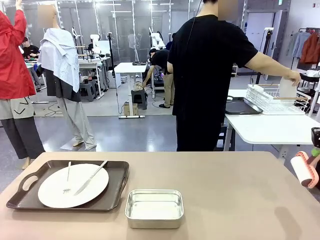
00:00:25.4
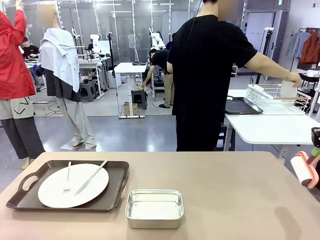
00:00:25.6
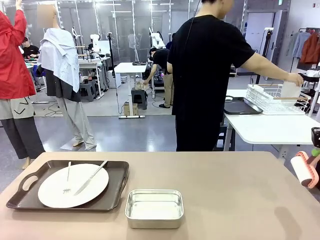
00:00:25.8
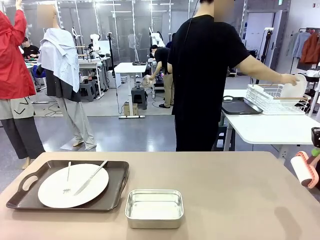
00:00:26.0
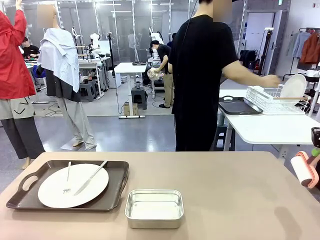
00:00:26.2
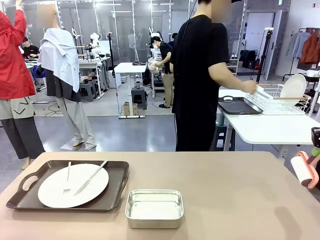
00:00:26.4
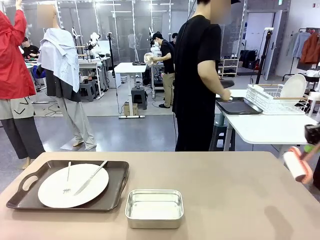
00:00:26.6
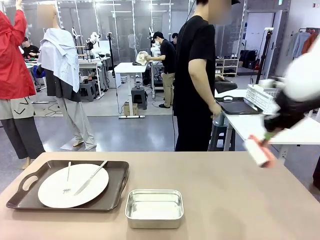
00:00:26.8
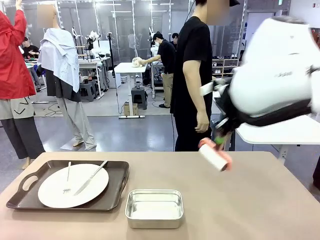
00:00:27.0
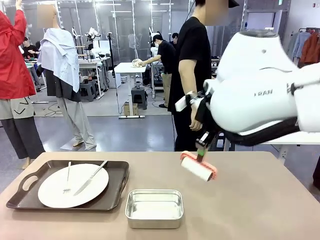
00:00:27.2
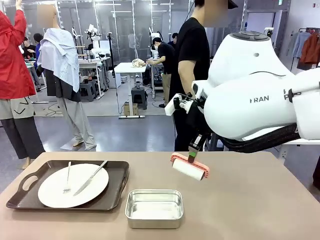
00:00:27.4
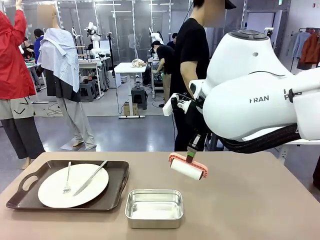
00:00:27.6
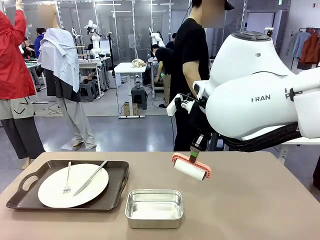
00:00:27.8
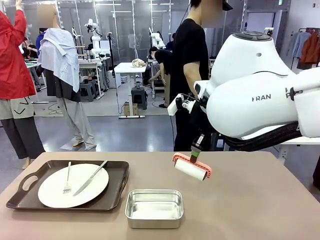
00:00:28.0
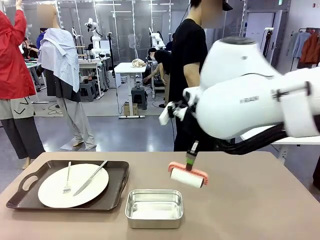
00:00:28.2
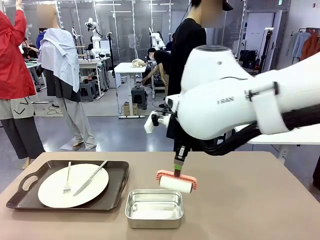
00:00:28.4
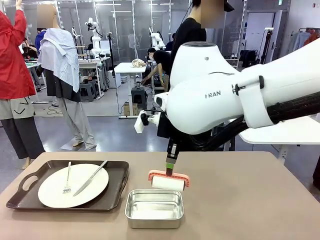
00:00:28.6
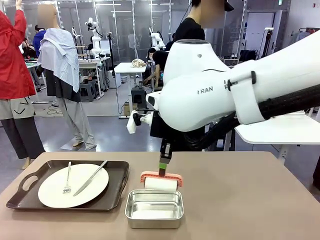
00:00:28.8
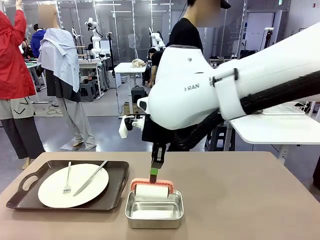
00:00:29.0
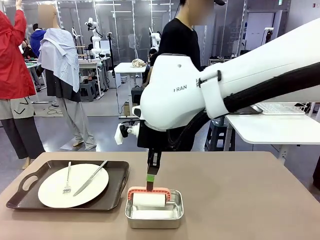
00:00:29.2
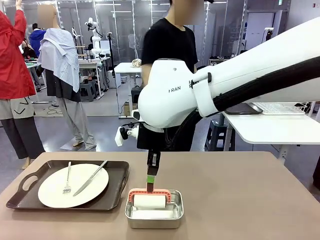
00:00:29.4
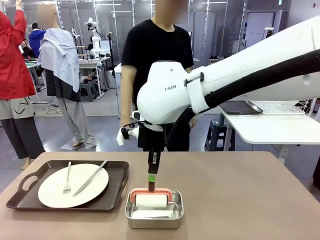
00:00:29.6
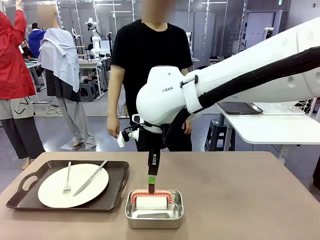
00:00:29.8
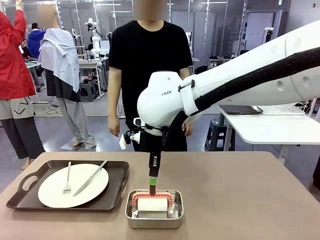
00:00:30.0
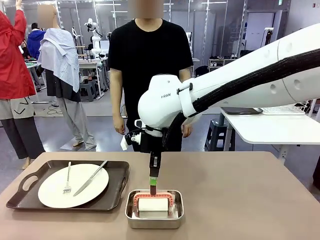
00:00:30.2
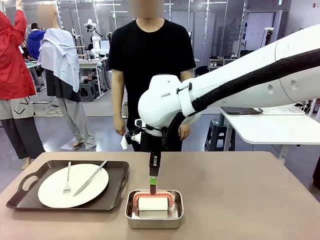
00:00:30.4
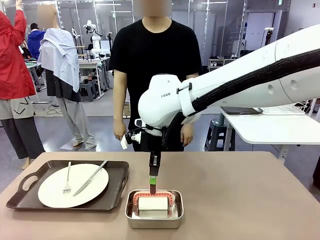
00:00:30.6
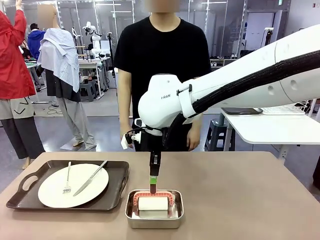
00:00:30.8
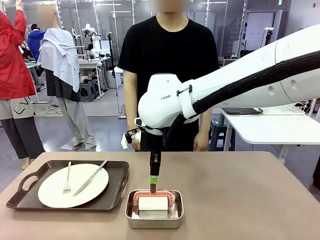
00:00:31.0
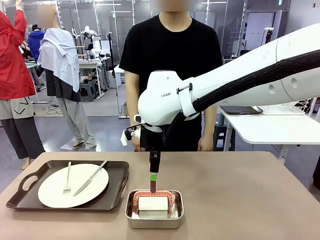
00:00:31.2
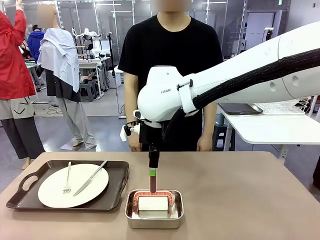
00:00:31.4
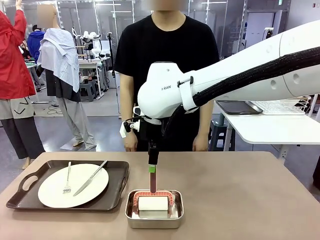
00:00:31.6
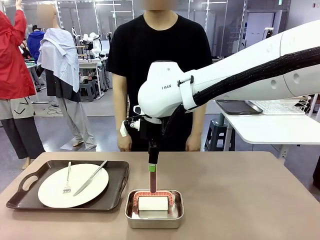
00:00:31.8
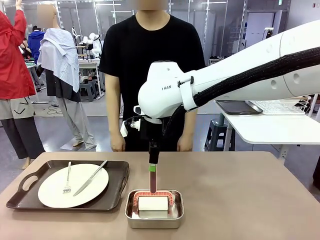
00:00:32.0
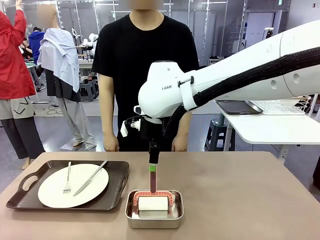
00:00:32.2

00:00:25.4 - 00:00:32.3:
Robot: Place the Lint Roller back on top of the Airtight Container.

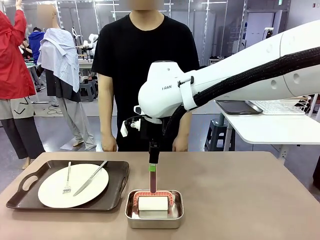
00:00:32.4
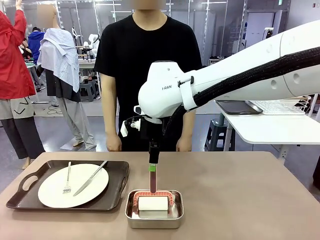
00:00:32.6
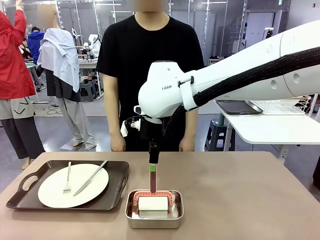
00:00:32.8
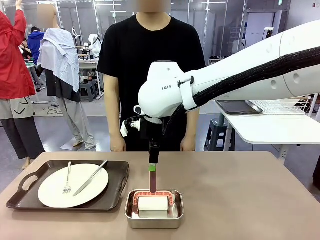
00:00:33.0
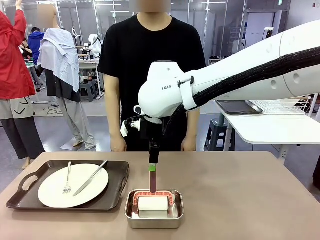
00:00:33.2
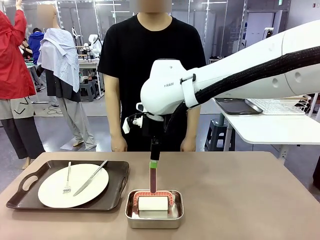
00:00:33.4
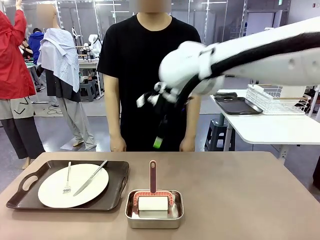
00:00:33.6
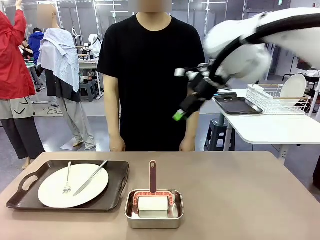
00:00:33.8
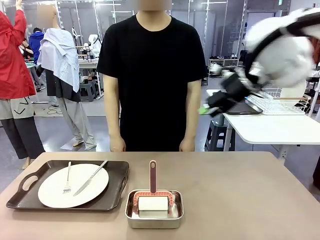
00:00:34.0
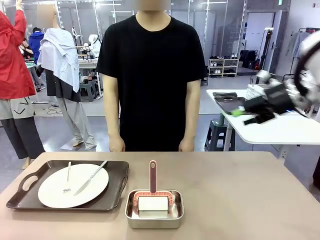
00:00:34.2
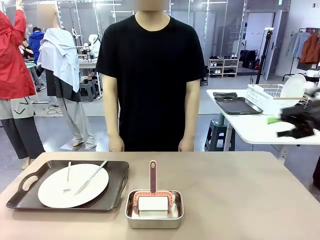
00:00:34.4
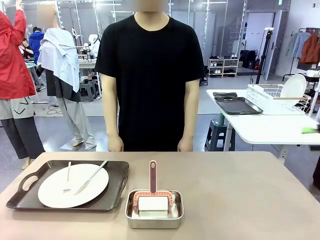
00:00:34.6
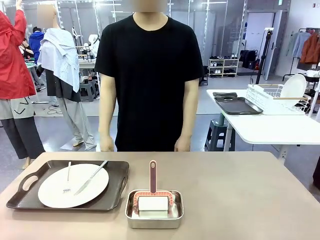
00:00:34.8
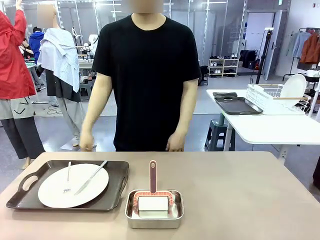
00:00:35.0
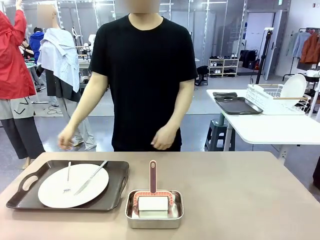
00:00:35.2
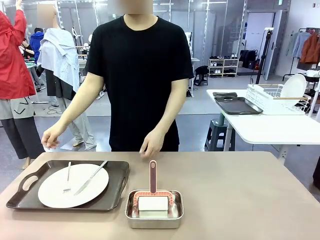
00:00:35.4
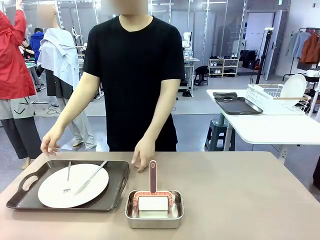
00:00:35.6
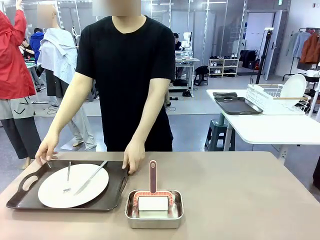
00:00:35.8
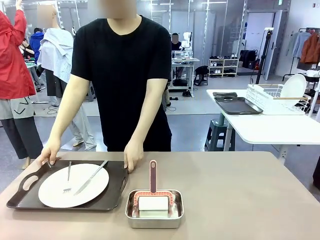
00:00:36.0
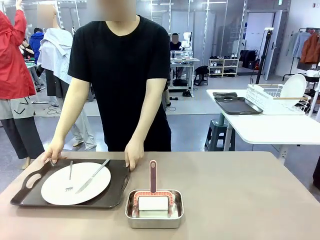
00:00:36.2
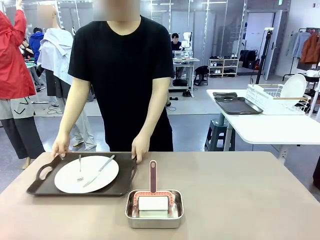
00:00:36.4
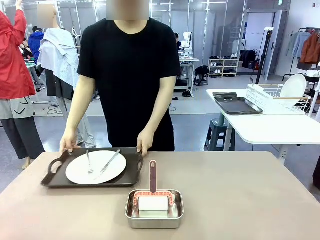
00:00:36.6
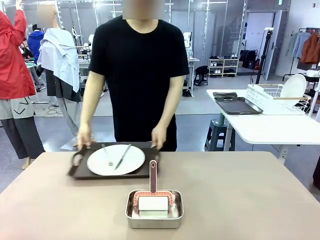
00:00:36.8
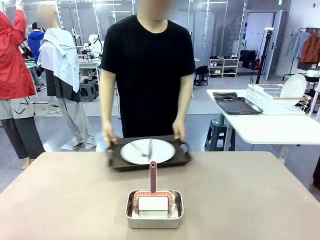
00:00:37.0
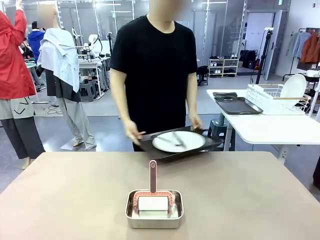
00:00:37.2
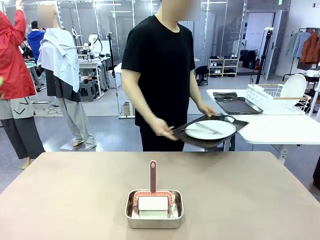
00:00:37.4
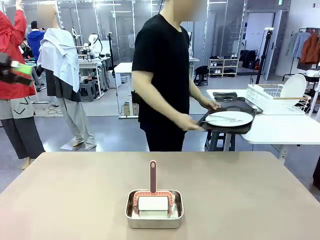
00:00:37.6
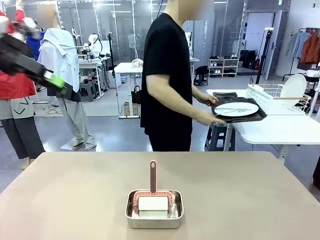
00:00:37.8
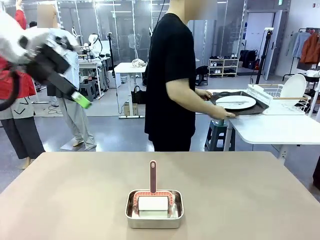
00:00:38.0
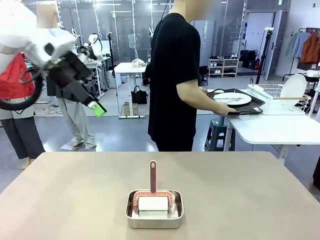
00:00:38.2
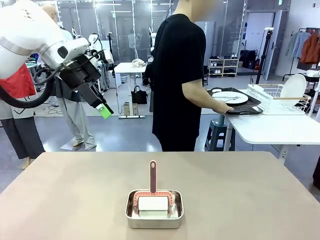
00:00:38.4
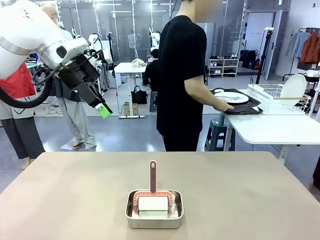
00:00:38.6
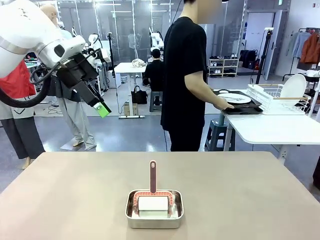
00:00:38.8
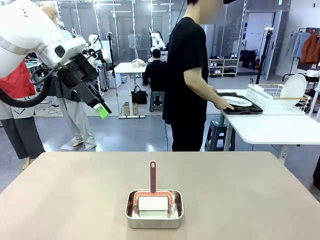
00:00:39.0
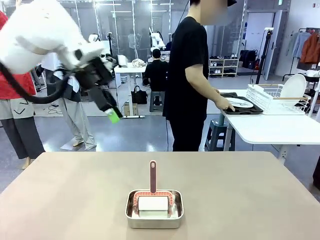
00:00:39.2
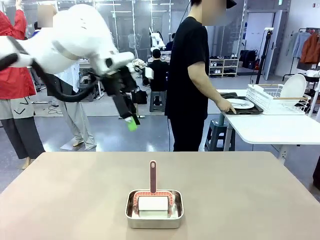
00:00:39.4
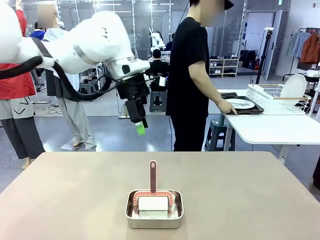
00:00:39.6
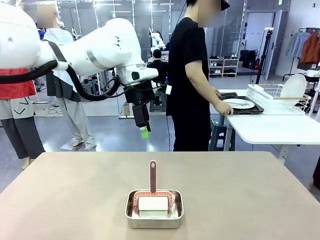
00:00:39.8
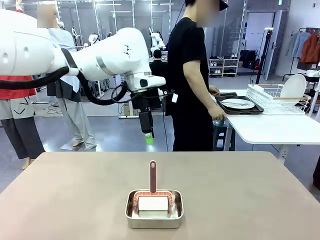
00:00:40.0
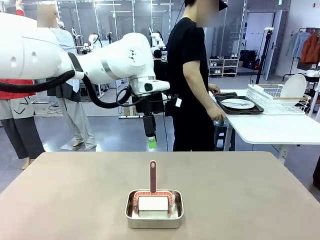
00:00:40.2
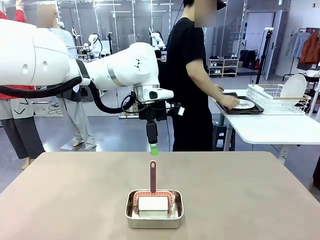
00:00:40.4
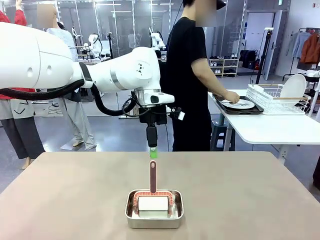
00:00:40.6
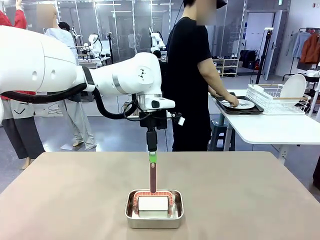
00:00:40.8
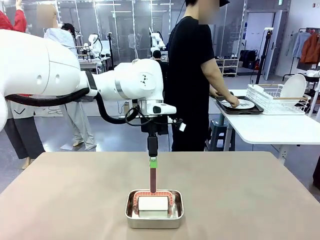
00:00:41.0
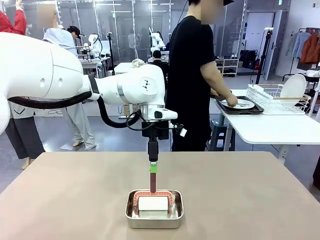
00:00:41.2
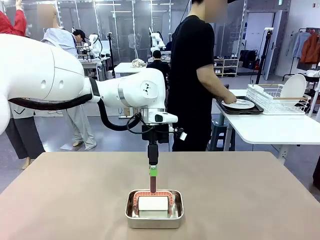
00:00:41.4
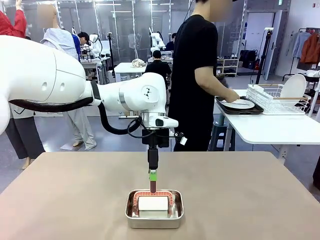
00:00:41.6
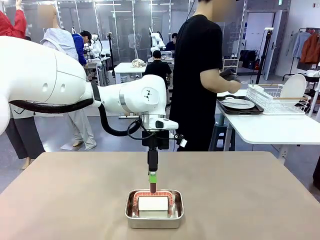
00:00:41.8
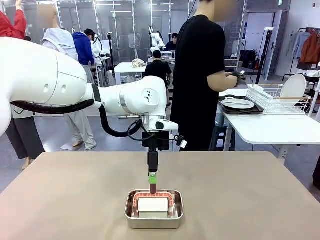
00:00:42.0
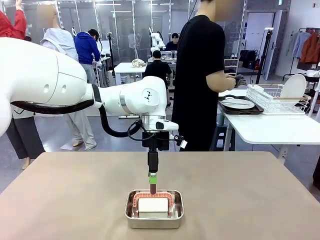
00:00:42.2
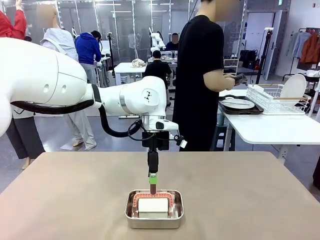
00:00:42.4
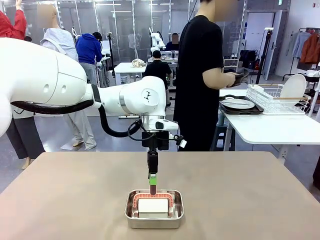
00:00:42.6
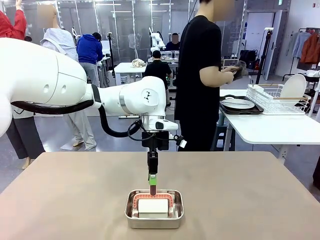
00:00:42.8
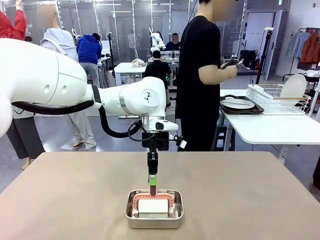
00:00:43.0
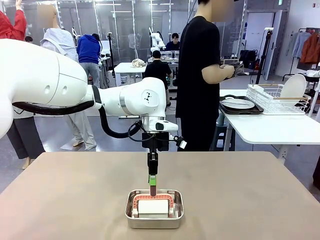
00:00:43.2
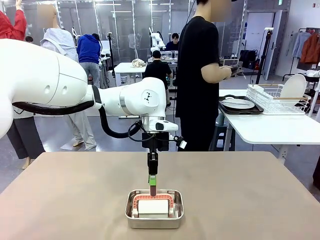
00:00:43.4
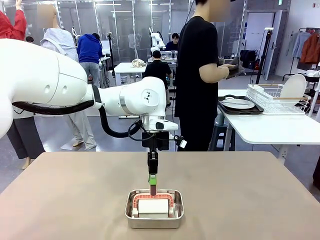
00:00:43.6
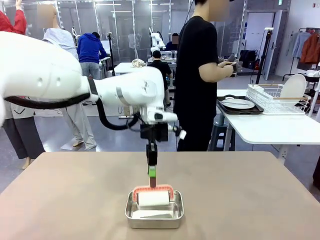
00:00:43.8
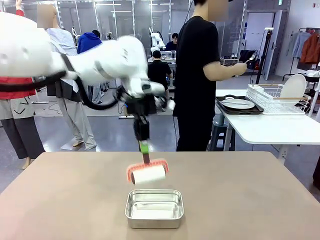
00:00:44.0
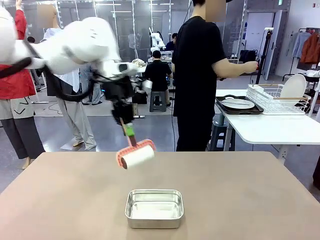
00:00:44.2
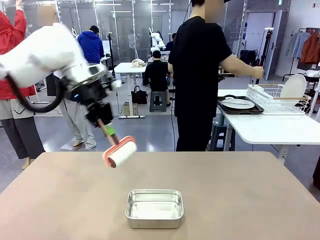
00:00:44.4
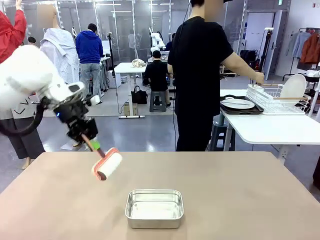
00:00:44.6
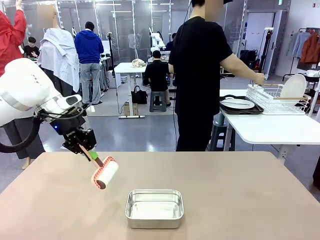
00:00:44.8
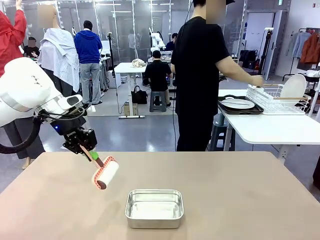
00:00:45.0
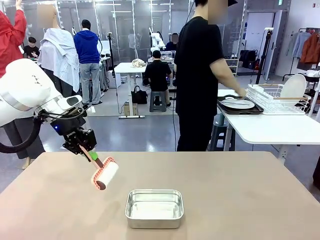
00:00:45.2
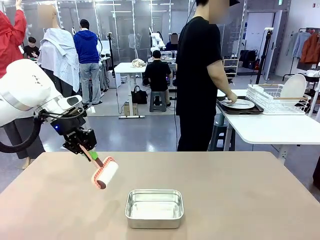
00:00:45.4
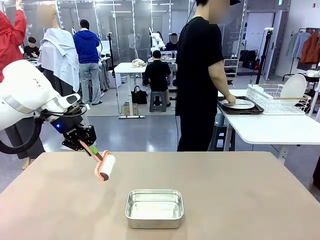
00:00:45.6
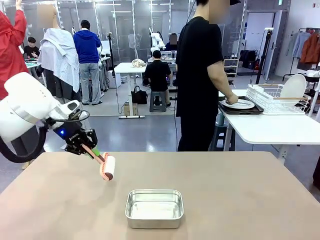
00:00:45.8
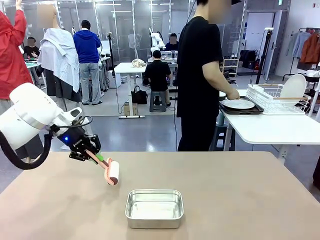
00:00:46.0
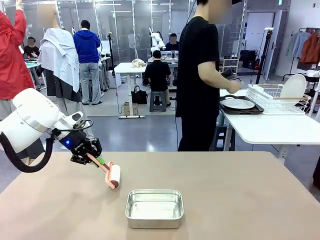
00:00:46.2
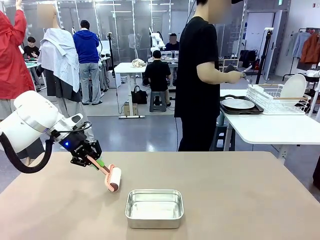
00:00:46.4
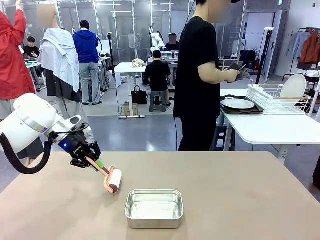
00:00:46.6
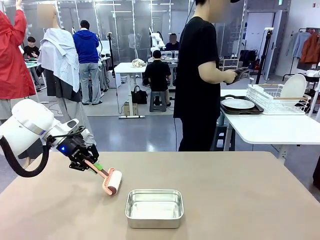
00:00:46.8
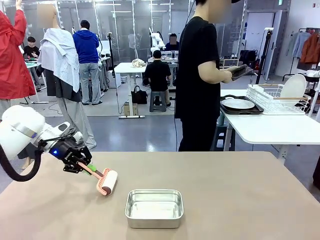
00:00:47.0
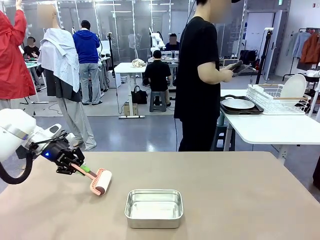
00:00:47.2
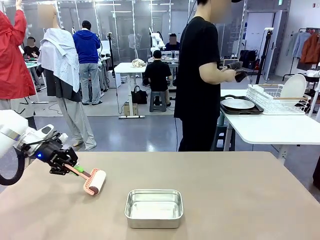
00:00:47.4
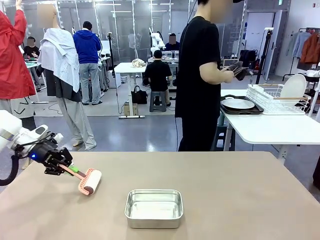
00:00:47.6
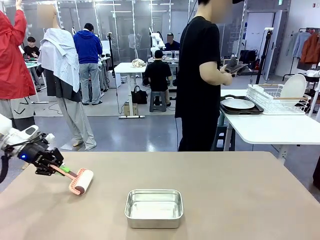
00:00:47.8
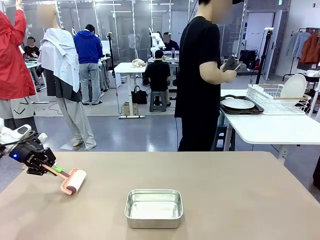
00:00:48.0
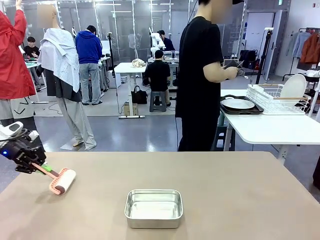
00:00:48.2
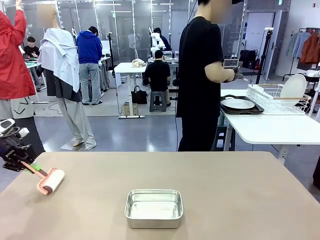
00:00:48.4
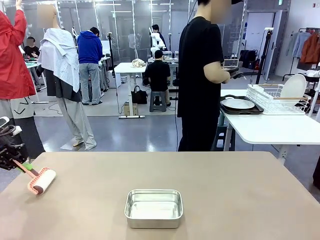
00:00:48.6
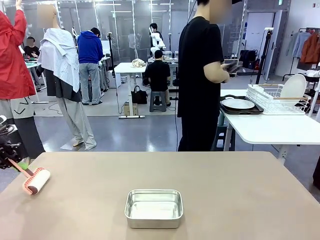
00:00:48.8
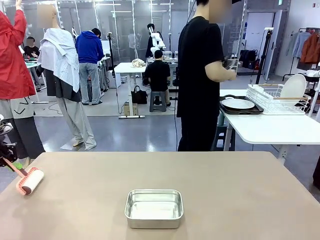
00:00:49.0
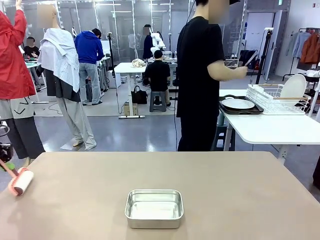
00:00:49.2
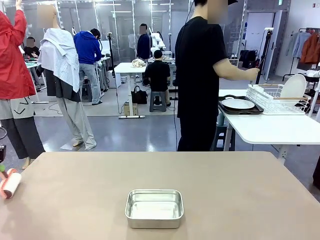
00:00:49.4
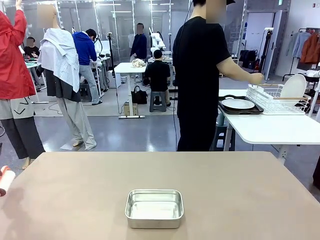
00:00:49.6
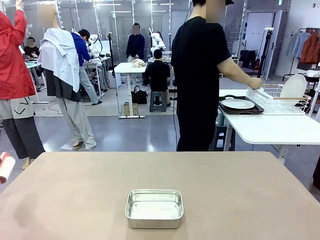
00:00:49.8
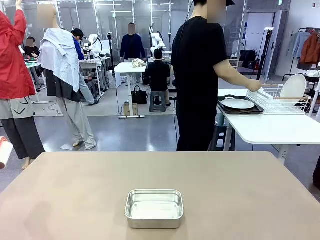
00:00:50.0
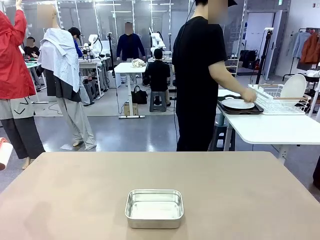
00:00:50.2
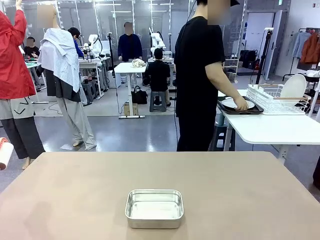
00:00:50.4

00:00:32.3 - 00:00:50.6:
Robot: When the right (or left) Handle tray is removed, use the right hand (or left hand) to clean the right (or left) side of the table with the Lint Roller.
Person: Pick up the left (or right) Handle tray and place it on the Handle tray. Use the Towel with hook to wipe the Plastic Matte Plate , Fork , and Knife and place into the Dish drying rack.
